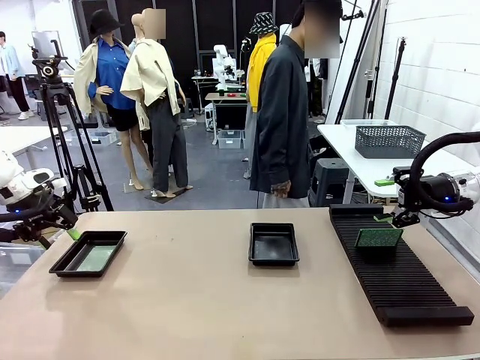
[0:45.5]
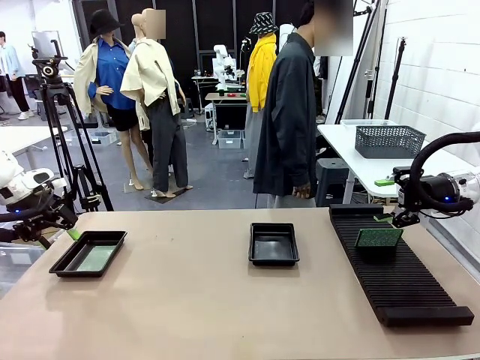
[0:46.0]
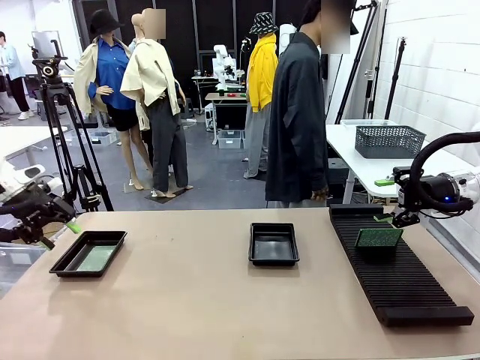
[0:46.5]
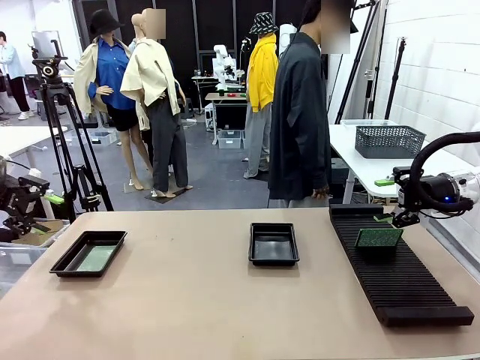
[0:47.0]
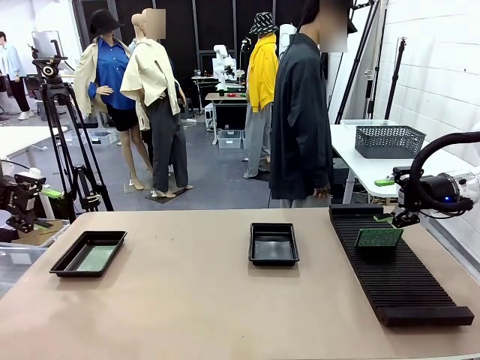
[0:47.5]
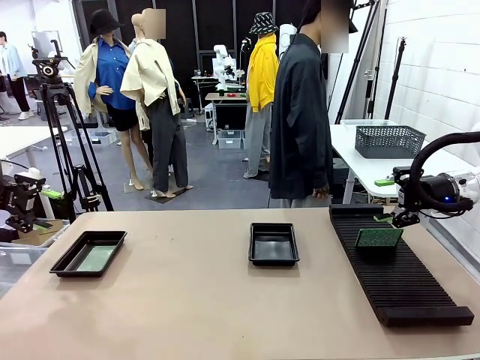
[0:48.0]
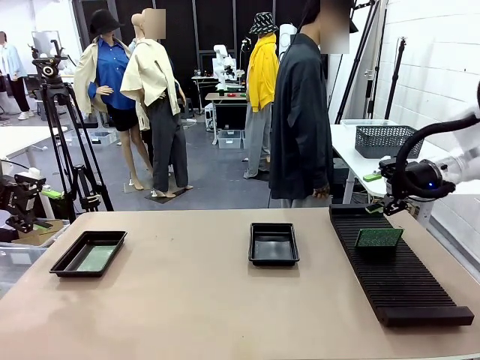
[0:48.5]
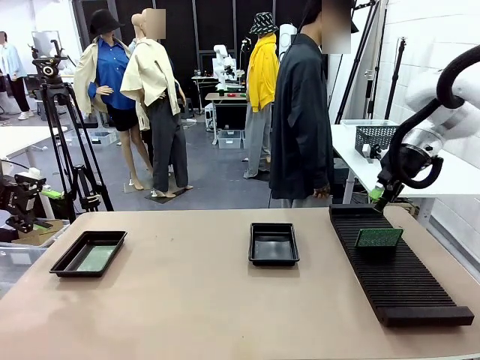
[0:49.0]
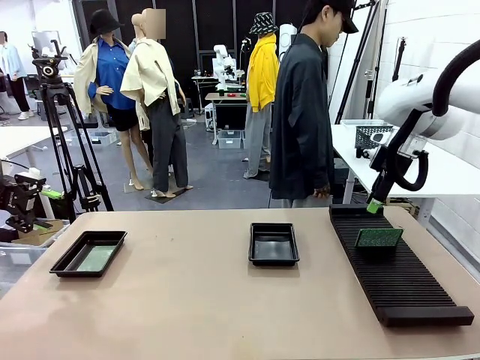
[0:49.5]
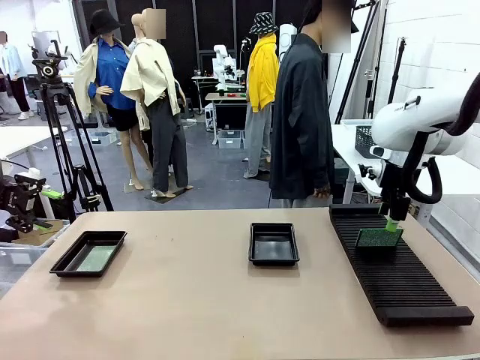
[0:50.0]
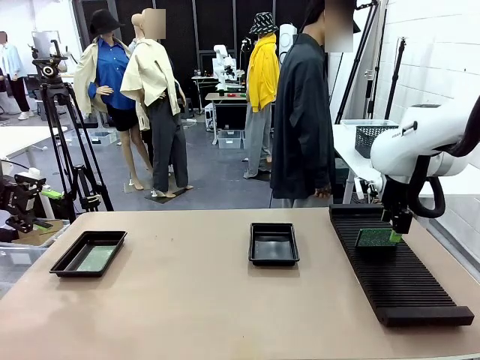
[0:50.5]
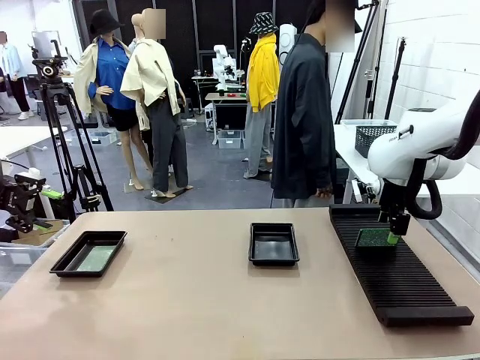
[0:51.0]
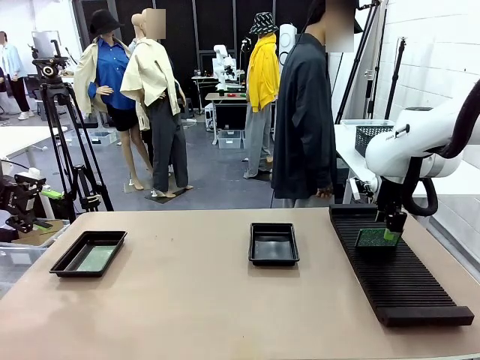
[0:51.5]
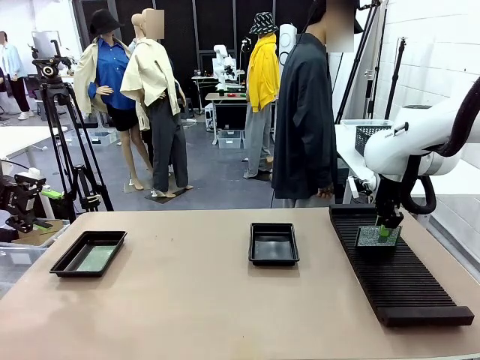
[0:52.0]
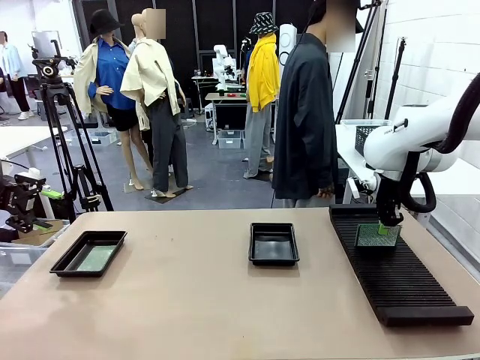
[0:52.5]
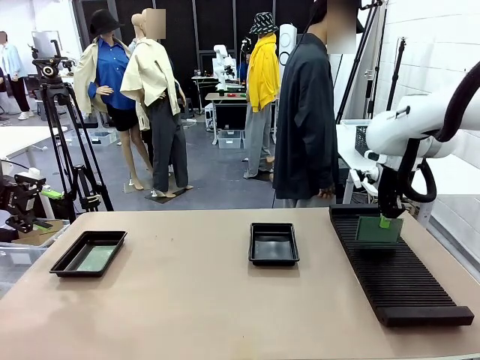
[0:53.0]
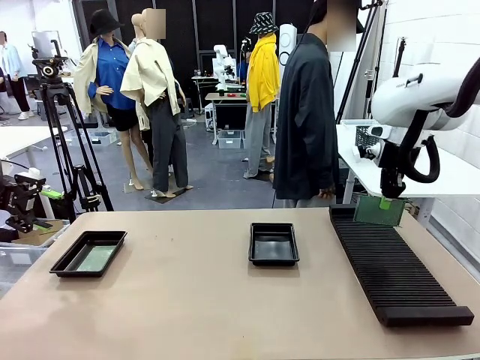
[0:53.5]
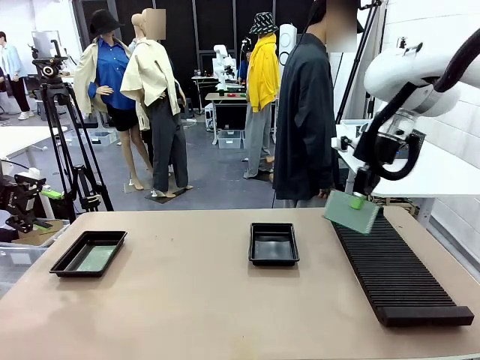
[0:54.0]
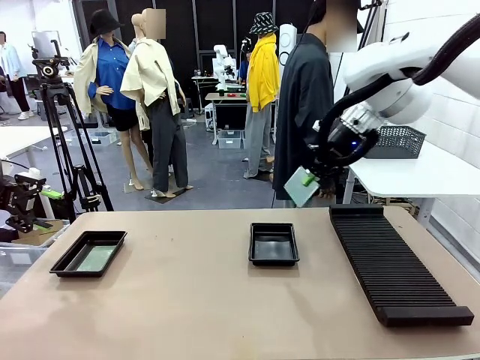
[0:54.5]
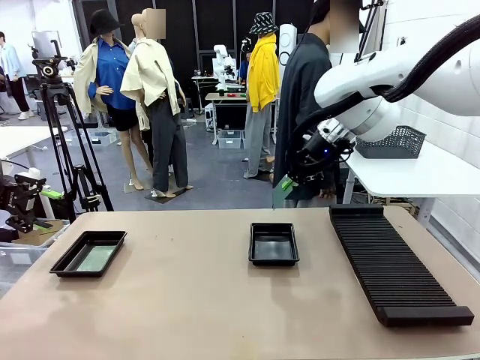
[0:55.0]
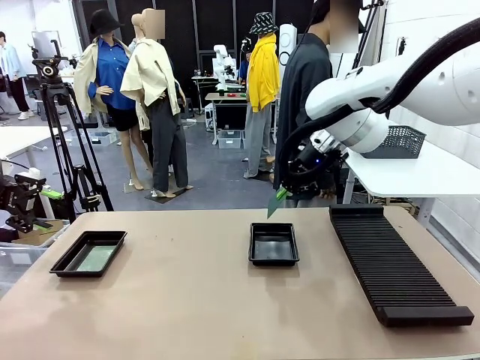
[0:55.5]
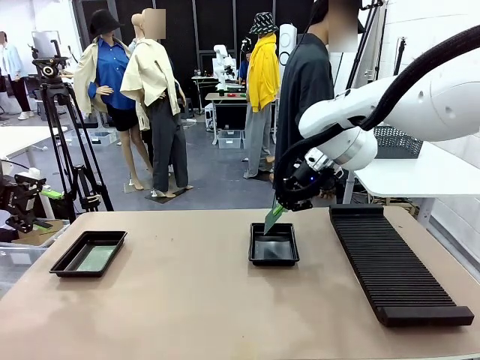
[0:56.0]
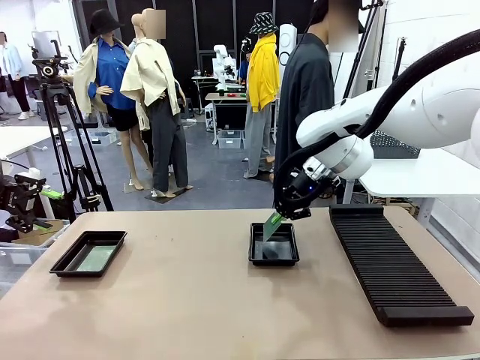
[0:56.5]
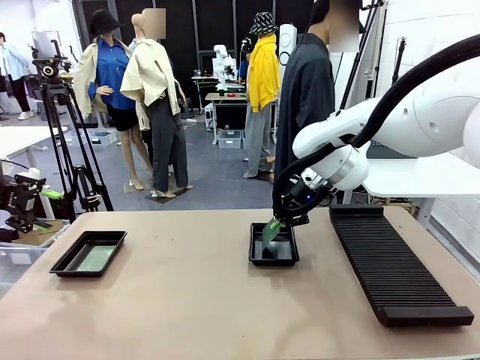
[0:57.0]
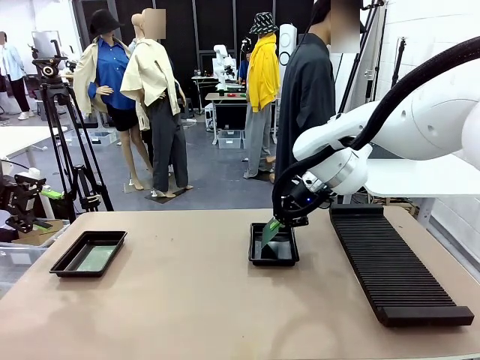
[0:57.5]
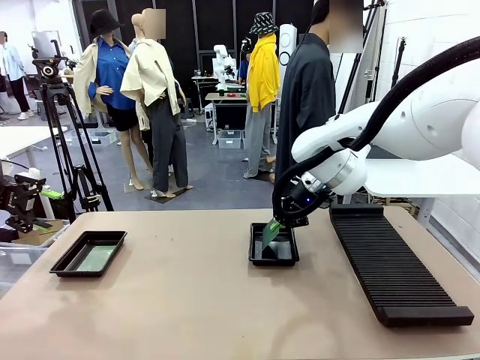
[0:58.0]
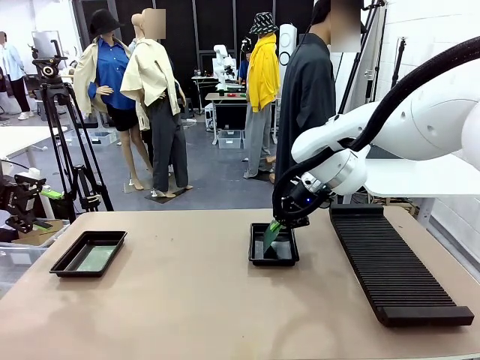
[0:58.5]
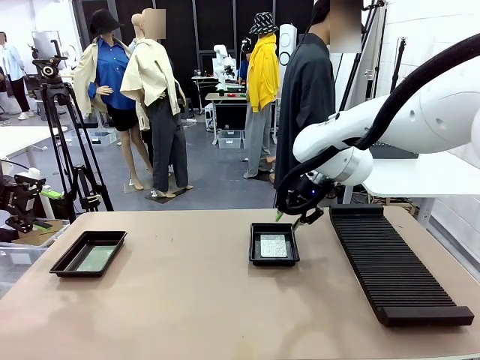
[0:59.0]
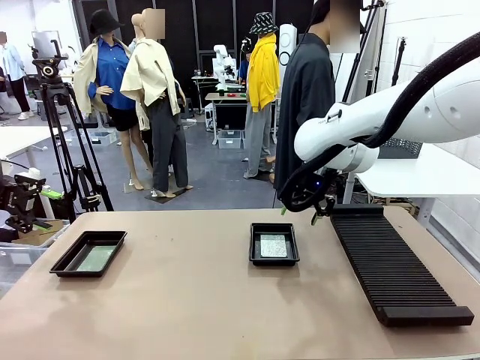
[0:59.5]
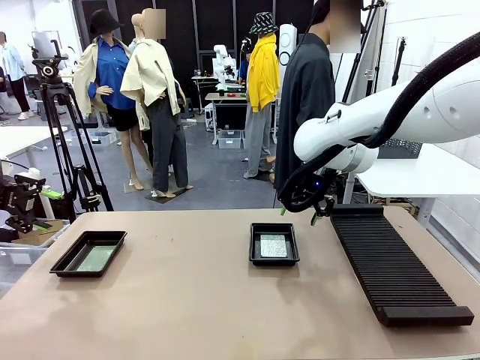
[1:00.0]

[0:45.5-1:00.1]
Task: Inspect and transfer BCBs to ESD trays.
Robot: Pick up the Blank PCB from the PCB Rack and place it in the right ESD tray.

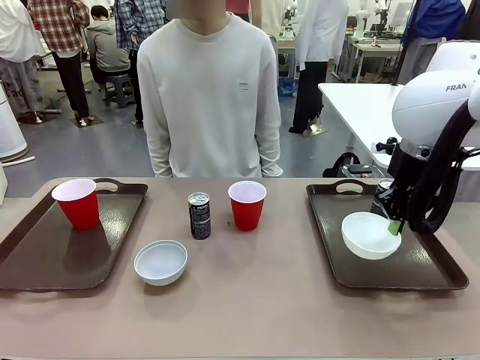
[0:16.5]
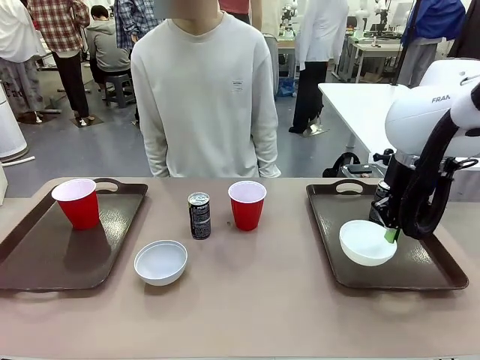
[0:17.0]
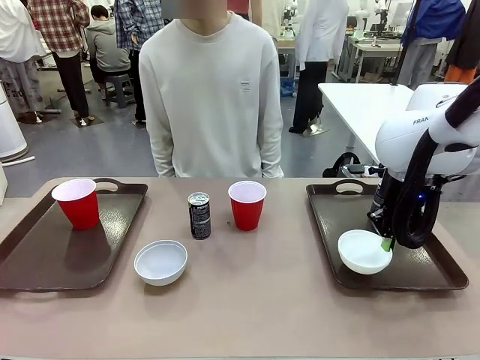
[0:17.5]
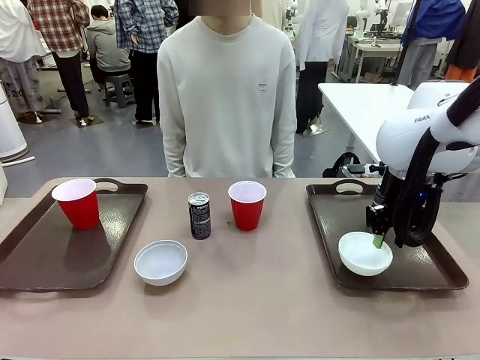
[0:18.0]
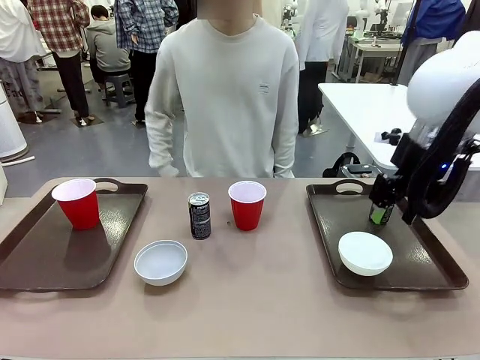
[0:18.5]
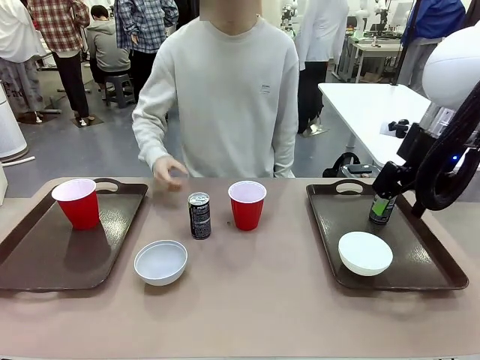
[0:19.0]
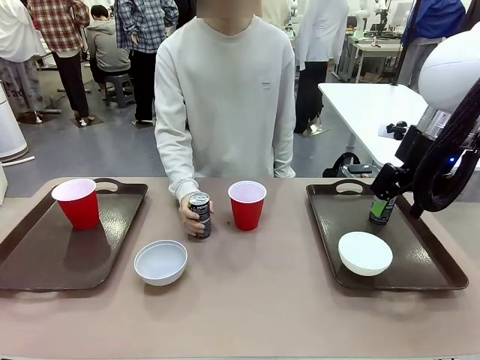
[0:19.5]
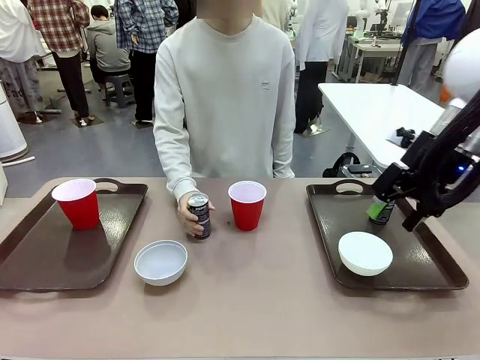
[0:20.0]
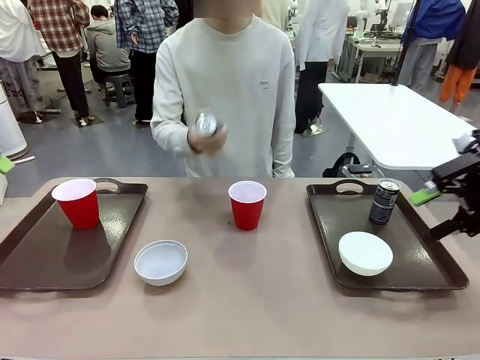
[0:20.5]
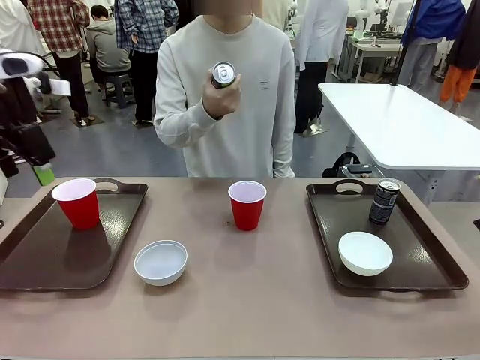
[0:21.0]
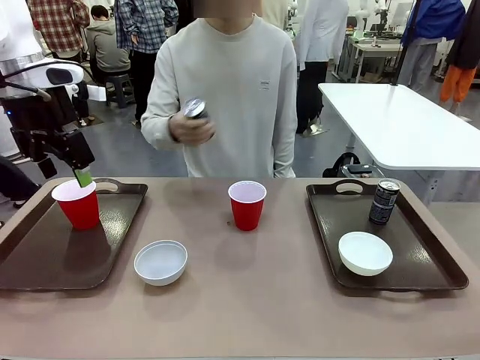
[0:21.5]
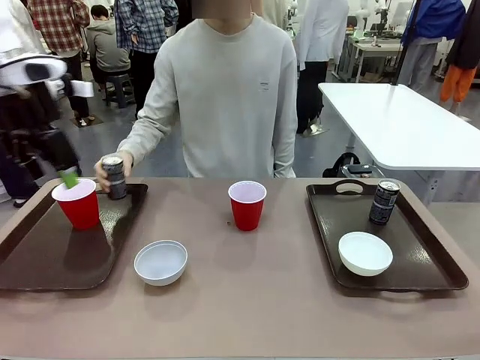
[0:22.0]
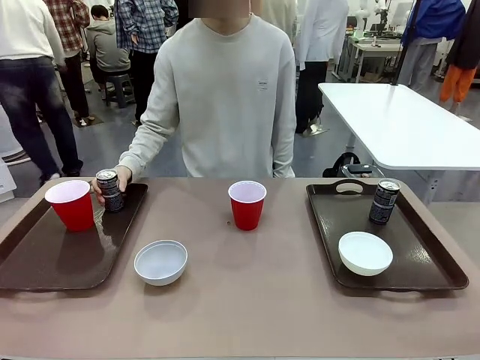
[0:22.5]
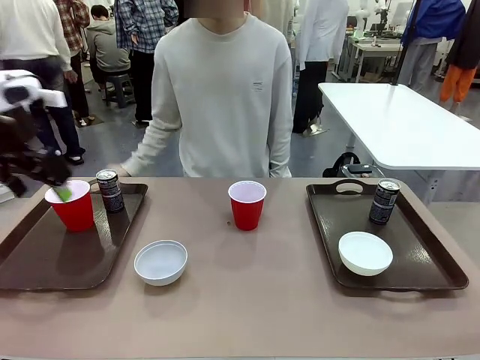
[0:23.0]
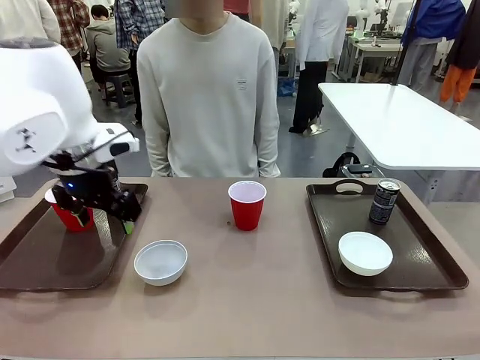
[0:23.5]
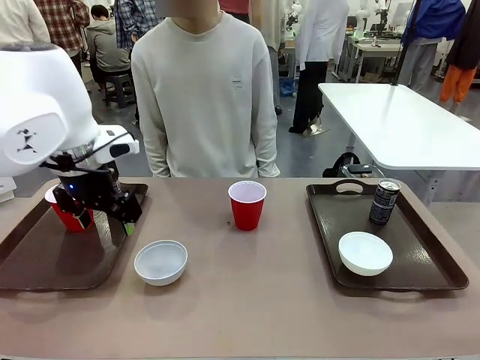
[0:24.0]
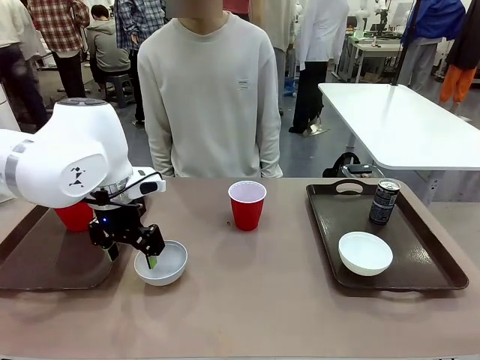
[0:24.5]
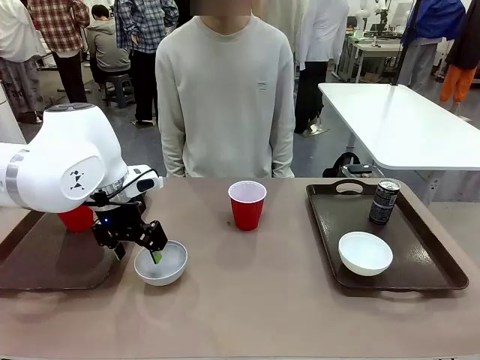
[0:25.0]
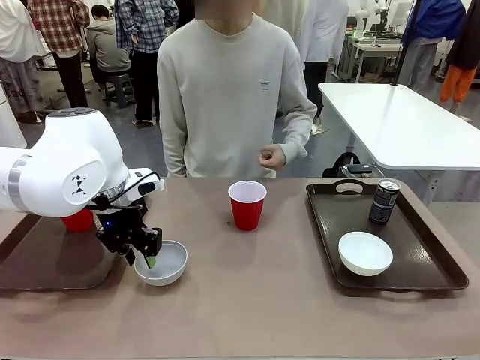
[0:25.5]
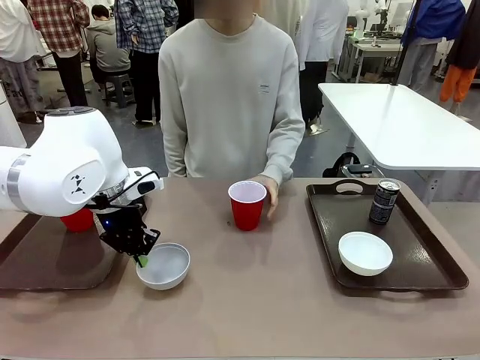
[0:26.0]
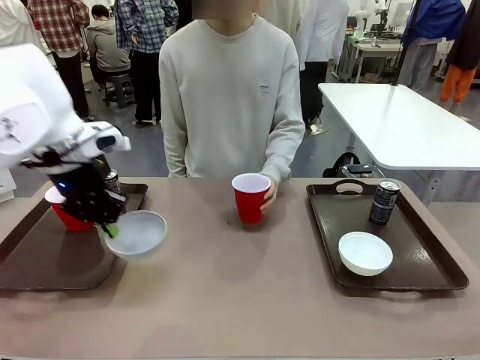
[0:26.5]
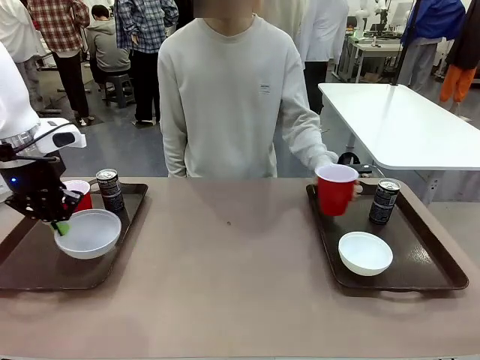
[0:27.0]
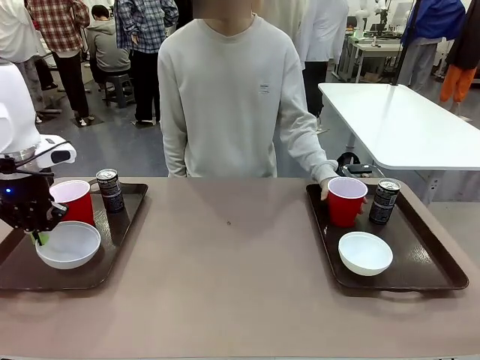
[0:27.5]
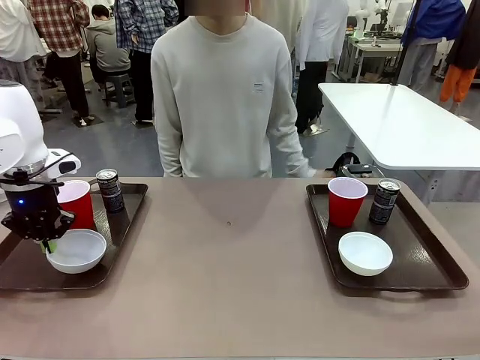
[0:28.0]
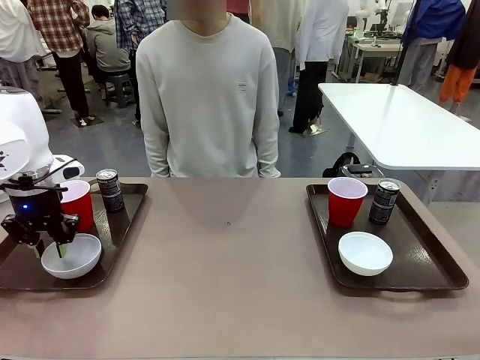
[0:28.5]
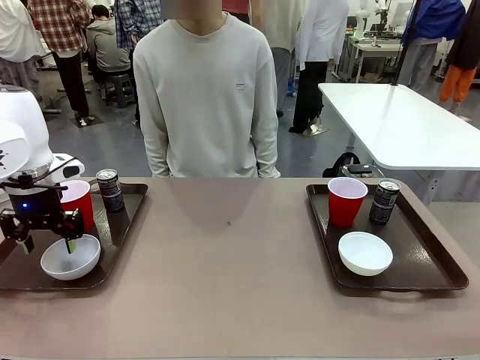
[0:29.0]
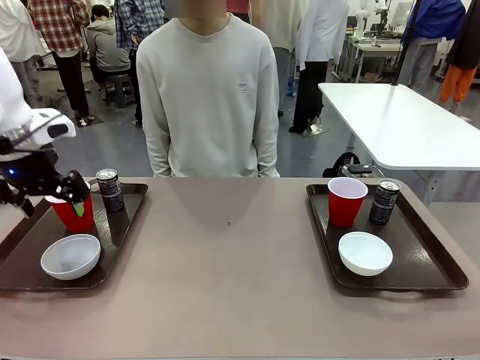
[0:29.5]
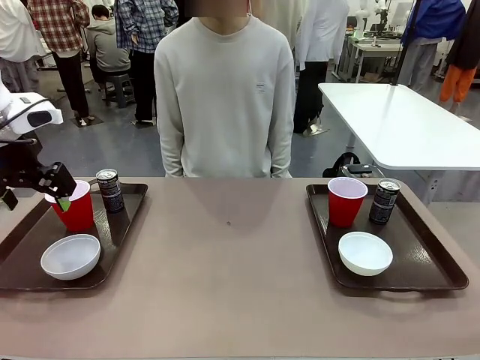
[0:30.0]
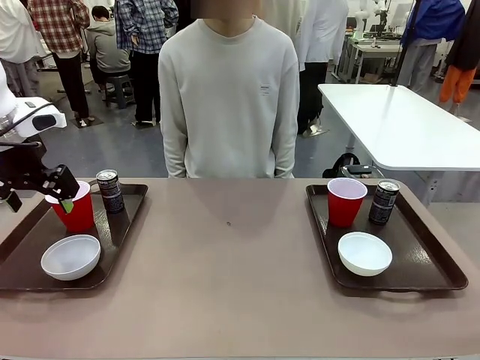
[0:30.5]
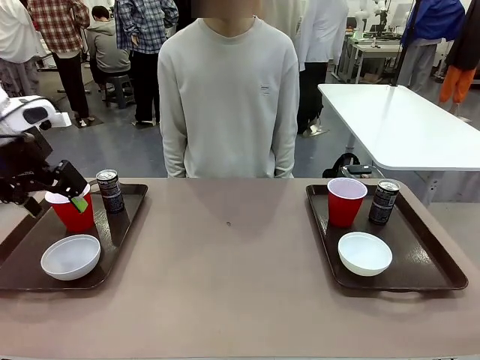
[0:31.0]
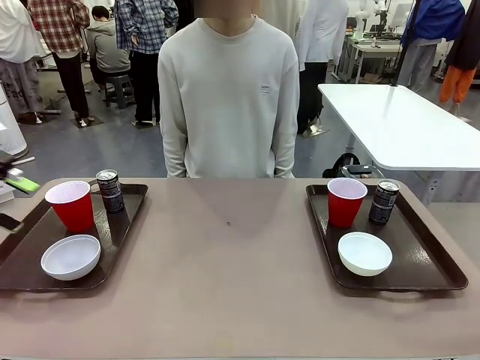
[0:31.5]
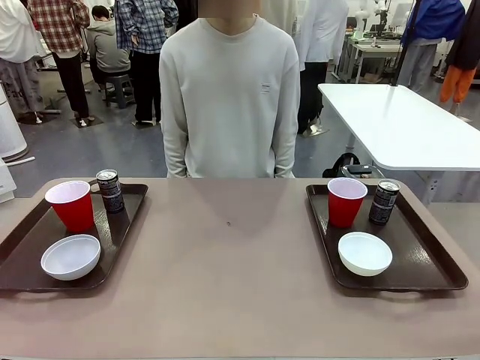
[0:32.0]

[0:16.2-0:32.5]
Task: Prepare tableware on both trays.
Robot: Pick up a Picnic Bowl from the table and place it on a Handle tray.
Person: Pick up a can or cup and place it on the tray without a can or cup.
